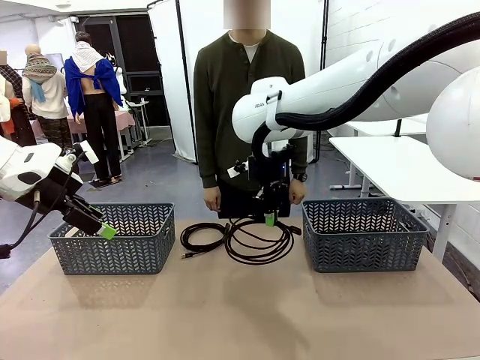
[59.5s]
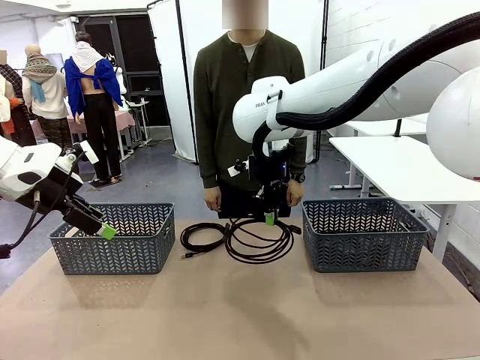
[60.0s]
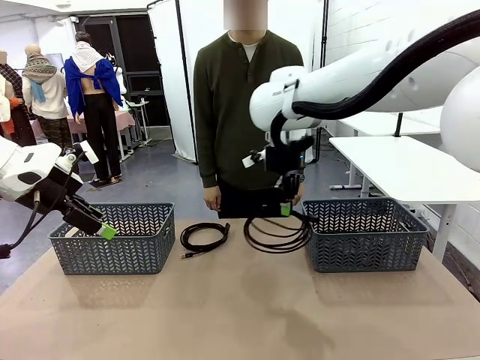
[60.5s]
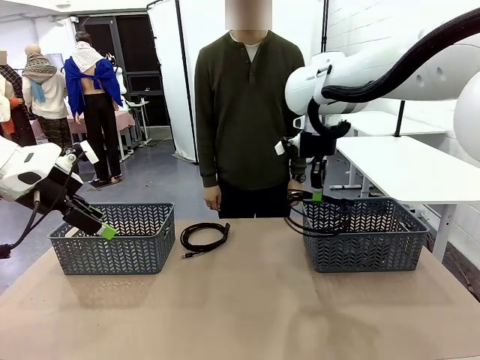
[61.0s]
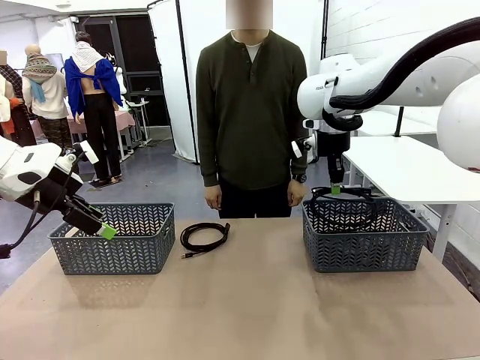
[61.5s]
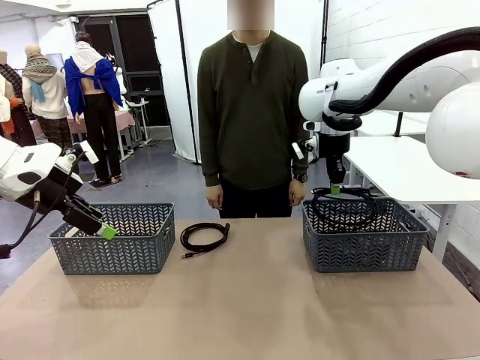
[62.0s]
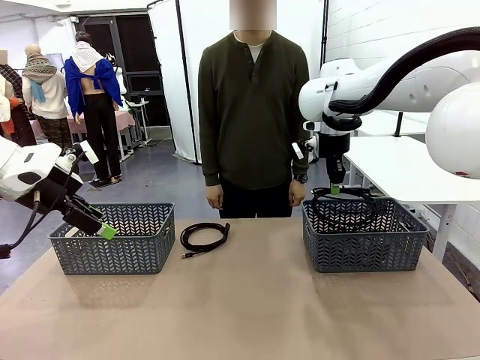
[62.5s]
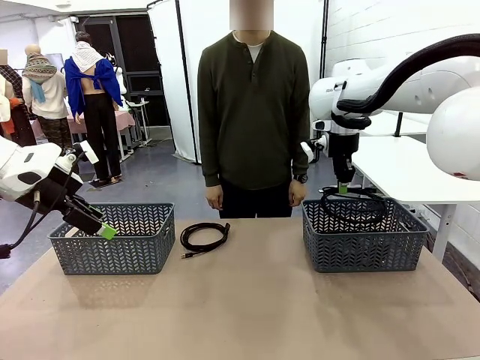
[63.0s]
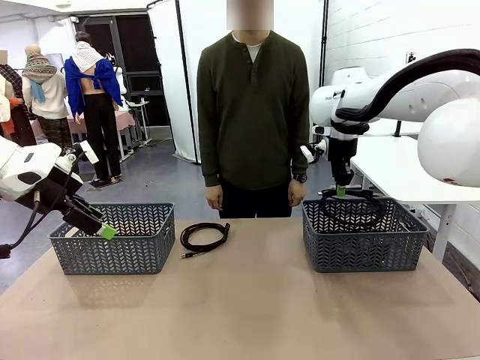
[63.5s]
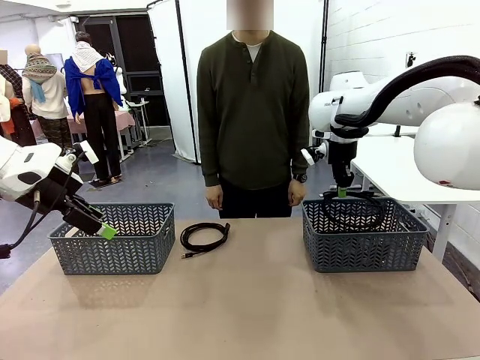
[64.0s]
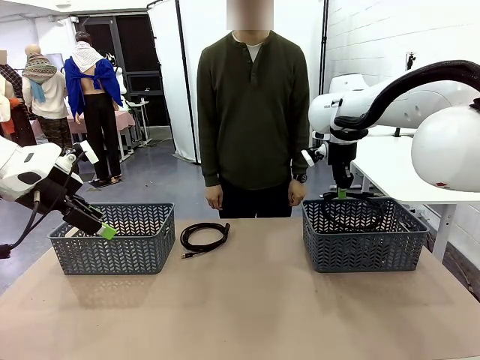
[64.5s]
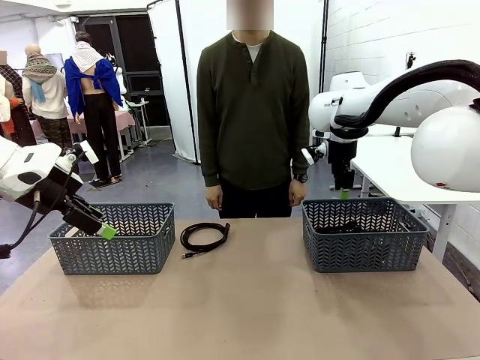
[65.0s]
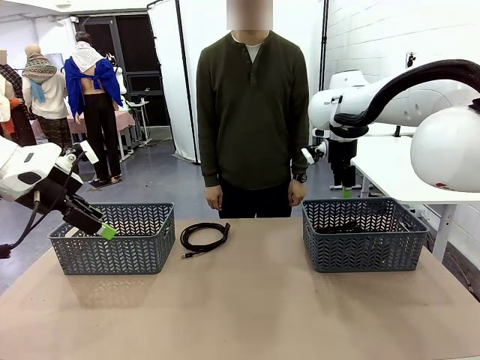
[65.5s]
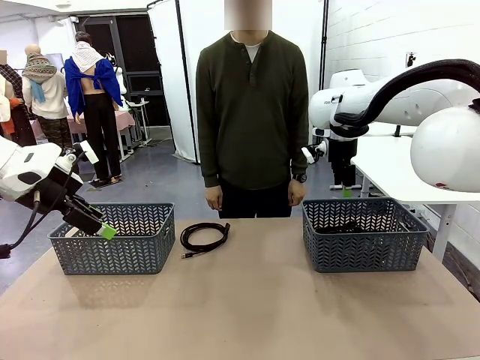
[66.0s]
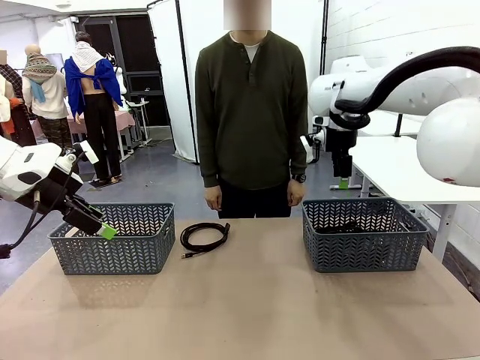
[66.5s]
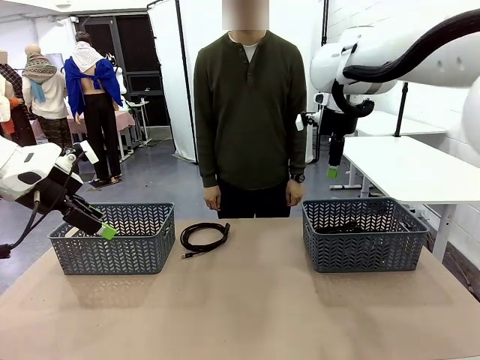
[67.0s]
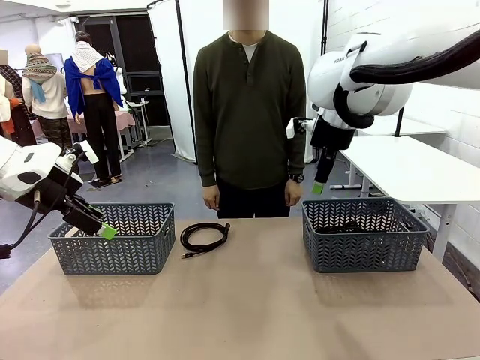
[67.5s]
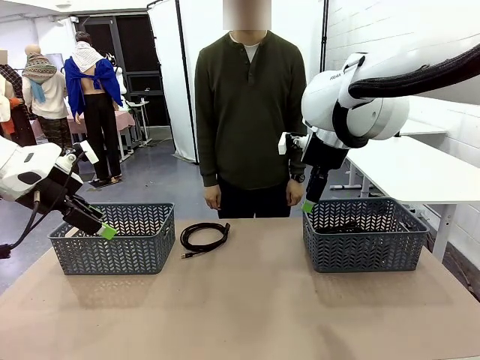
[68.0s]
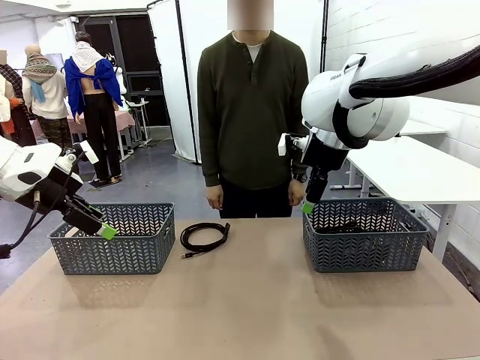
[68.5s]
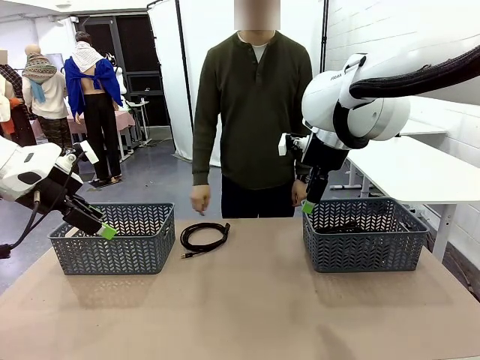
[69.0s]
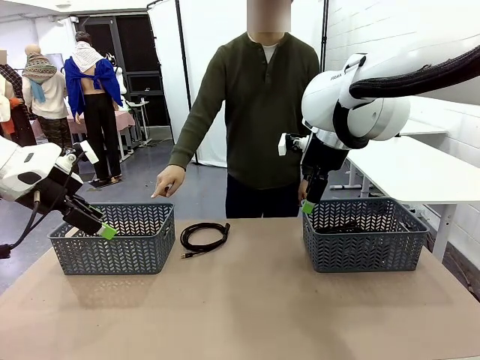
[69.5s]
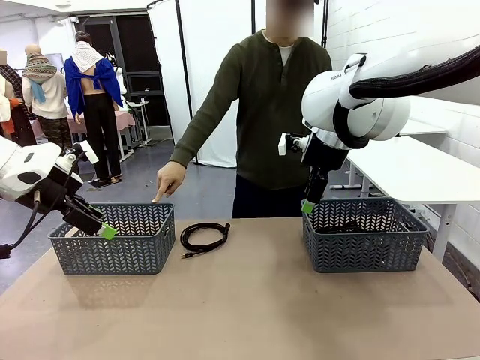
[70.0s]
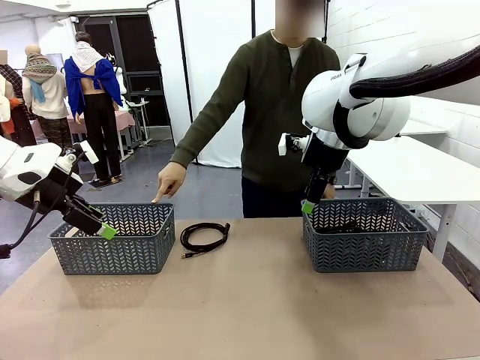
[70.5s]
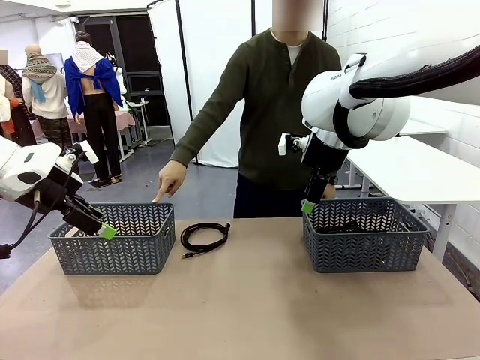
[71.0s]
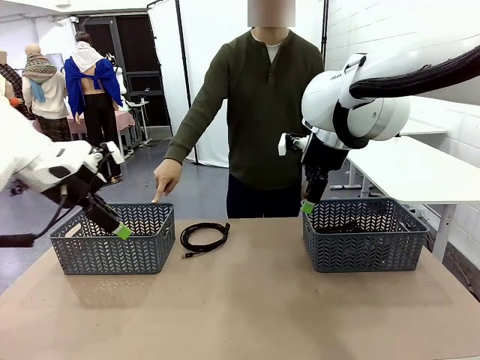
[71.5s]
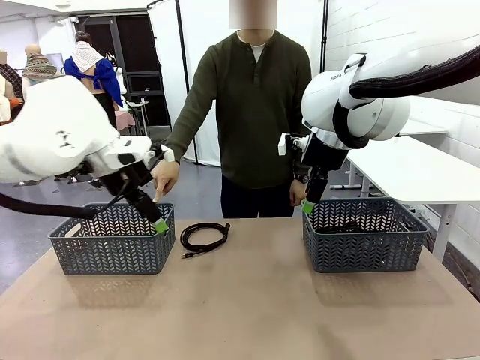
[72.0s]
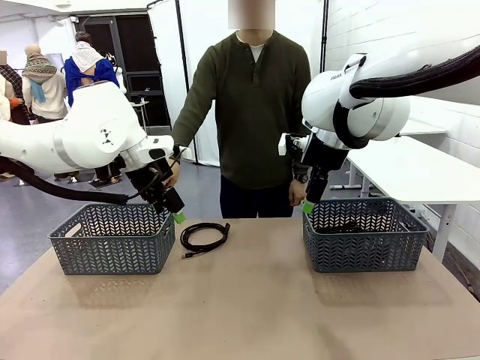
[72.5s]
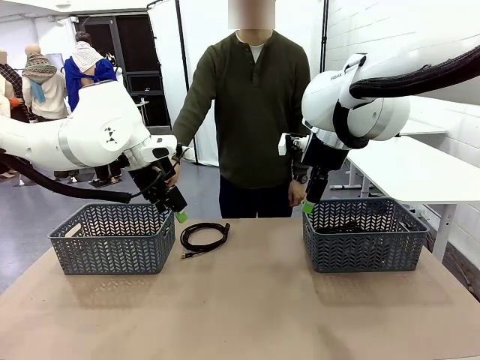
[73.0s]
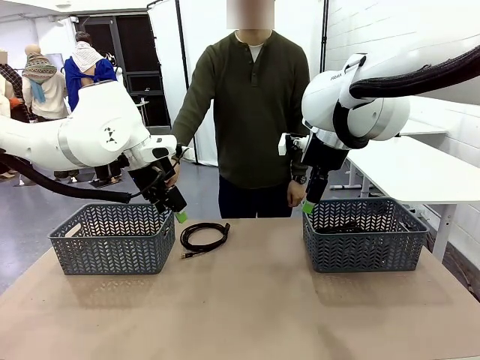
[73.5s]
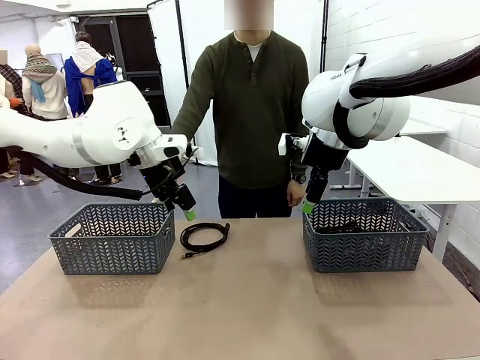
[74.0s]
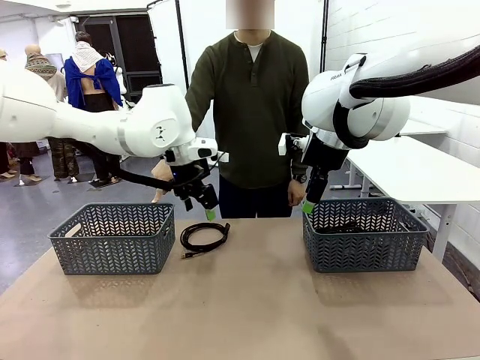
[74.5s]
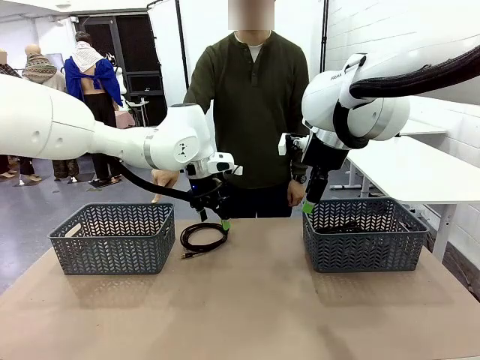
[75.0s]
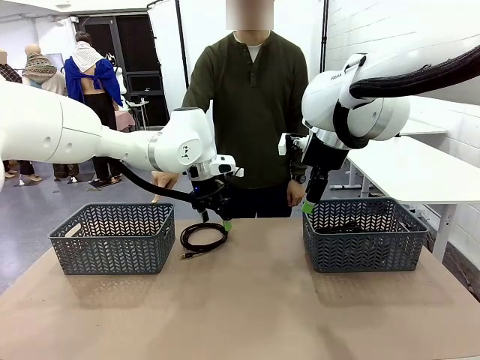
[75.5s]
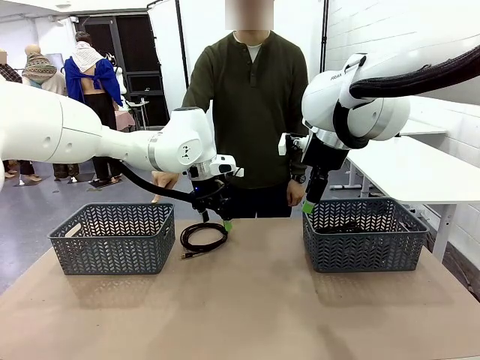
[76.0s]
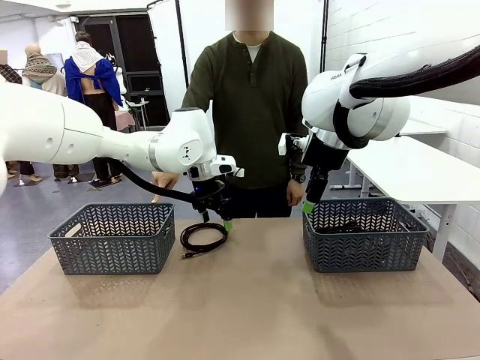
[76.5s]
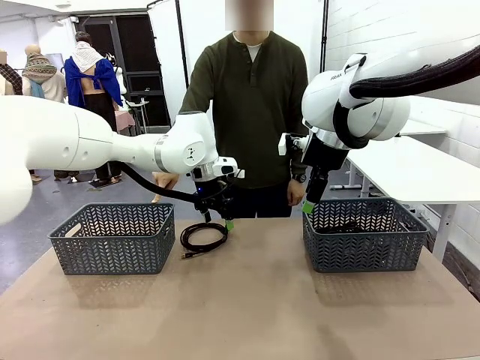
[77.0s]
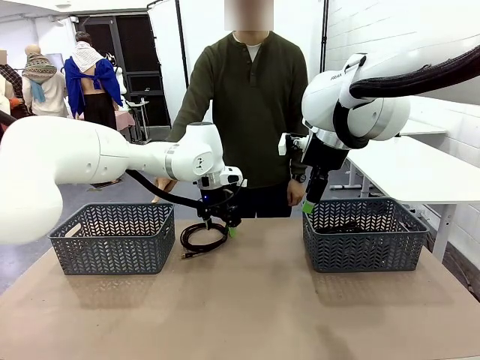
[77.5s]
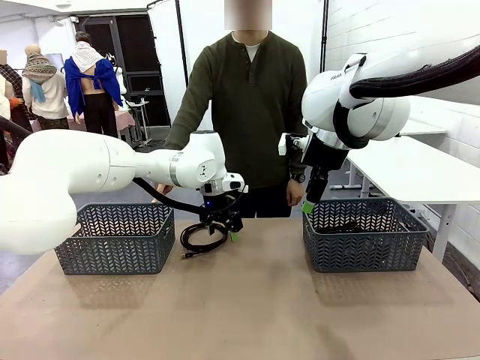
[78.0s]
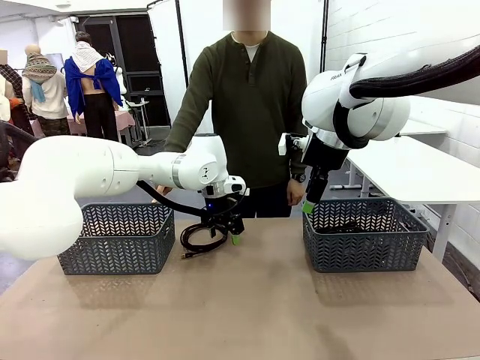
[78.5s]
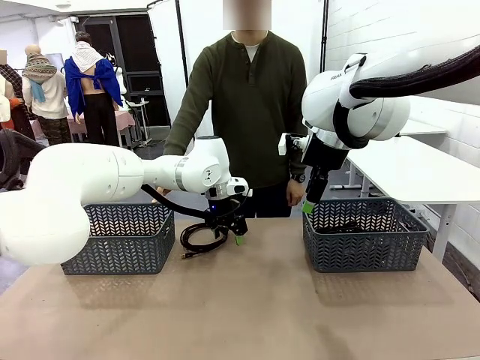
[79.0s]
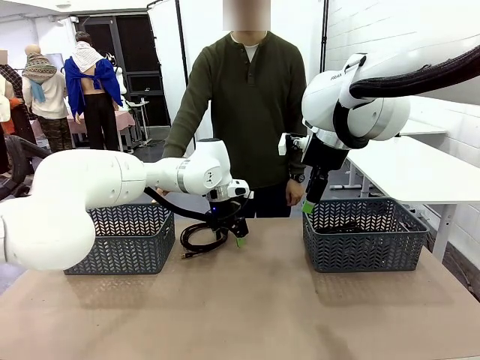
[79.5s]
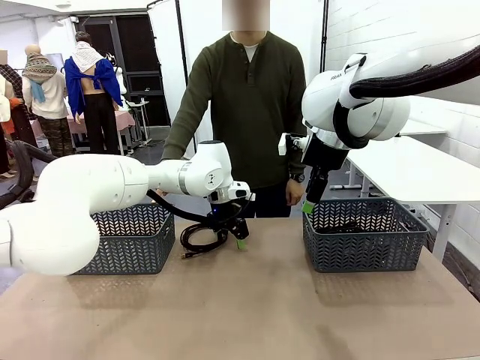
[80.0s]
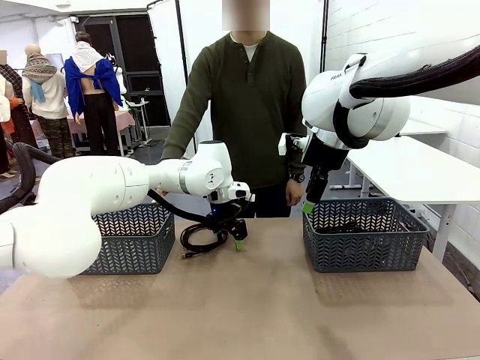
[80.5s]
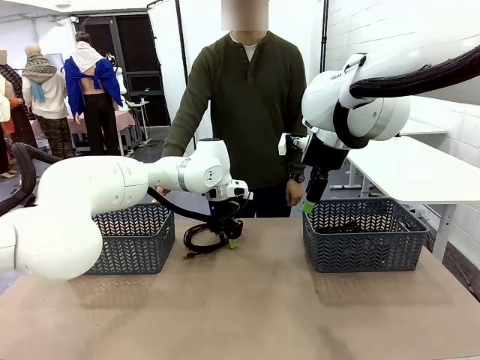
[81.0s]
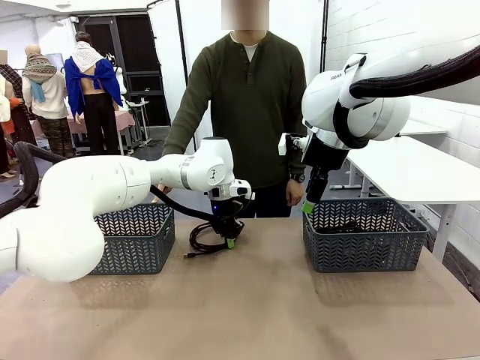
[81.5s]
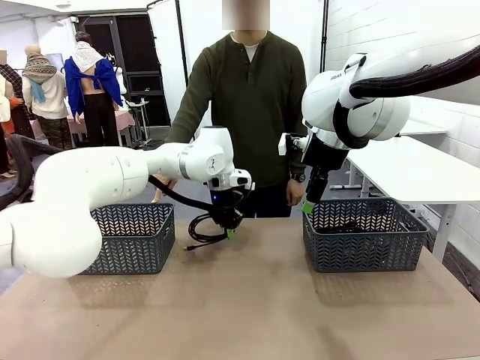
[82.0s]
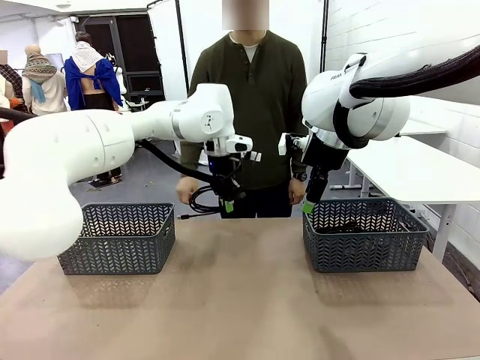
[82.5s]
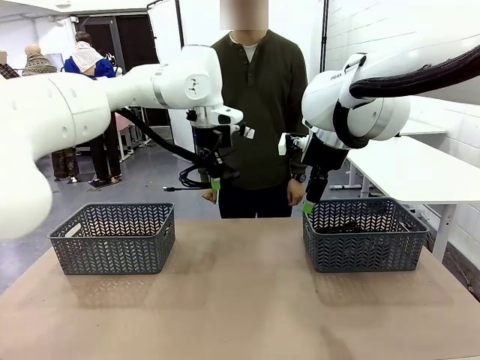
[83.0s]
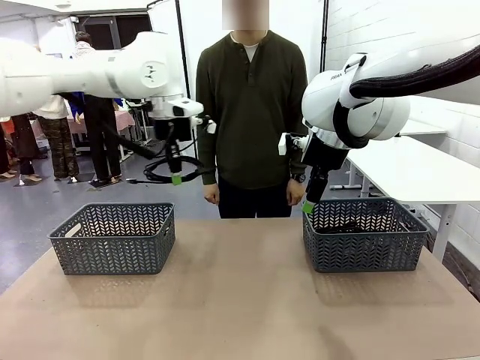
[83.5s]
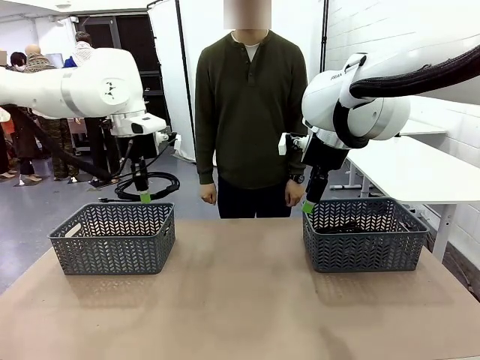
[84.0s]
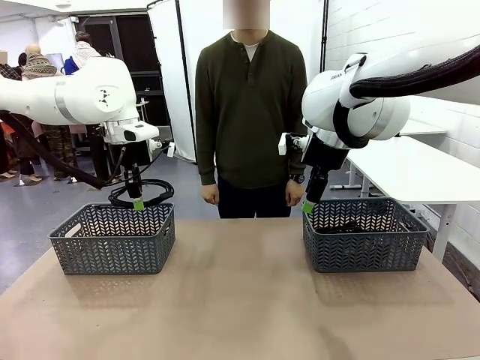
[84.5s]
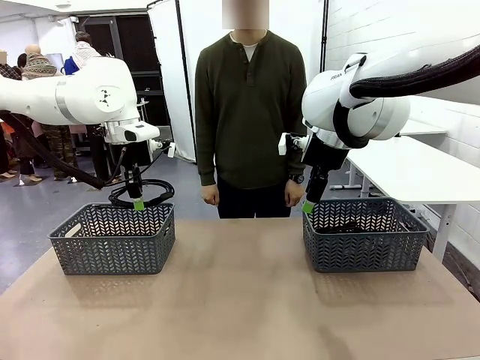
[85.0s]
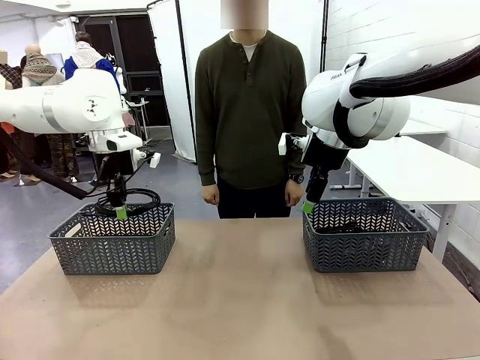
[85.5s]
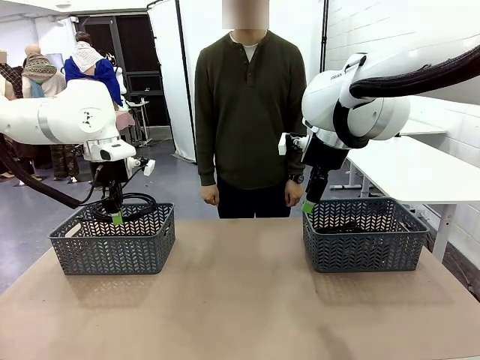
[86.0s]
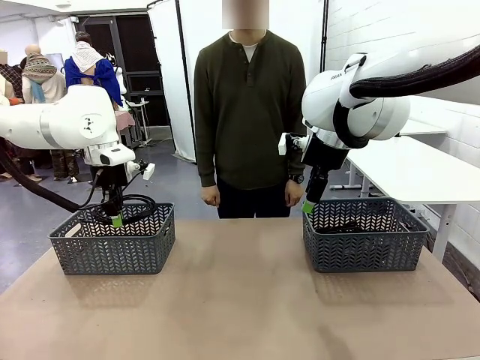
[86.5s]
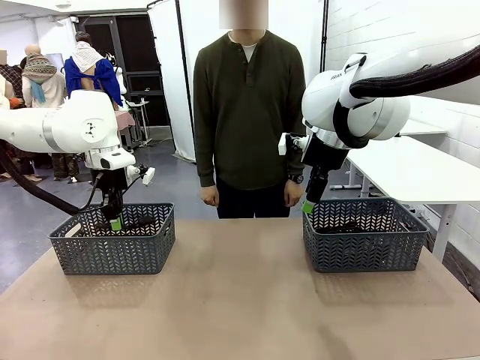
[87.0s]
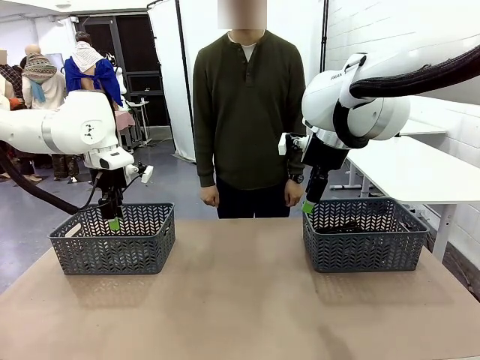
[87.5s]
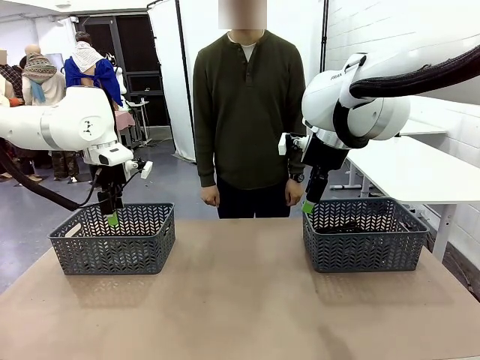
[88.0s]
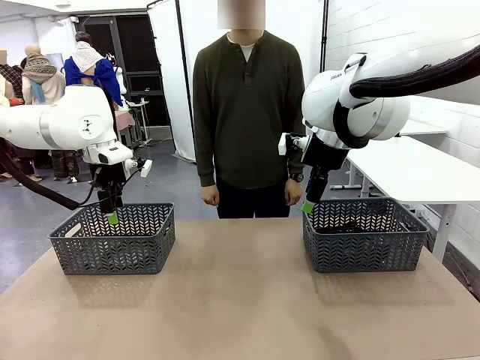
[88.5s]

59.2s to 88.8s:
Task: Organize the cables according to human instructions.
Robot: Pick up a bundle of cables and place it in the basket indicated by the human.
